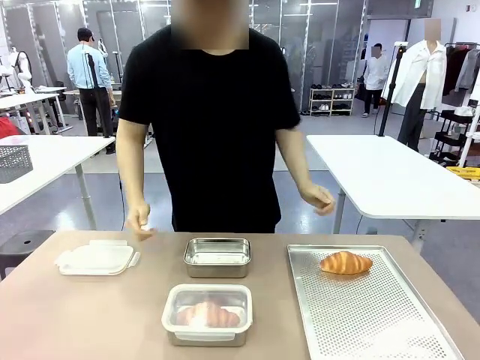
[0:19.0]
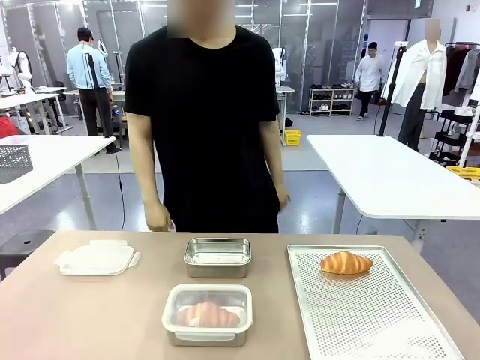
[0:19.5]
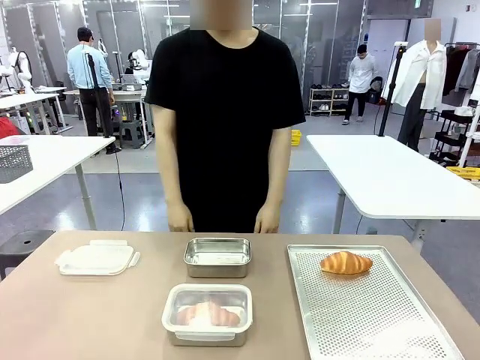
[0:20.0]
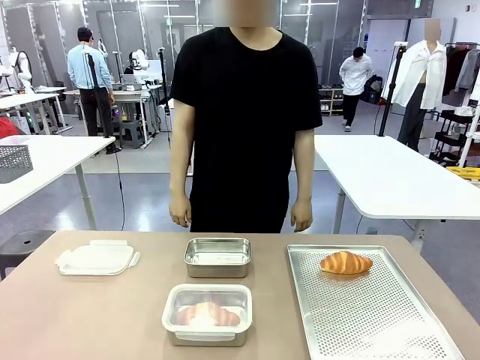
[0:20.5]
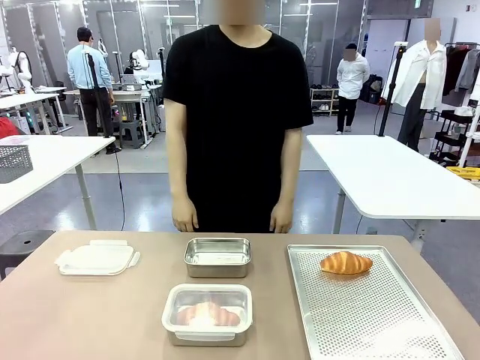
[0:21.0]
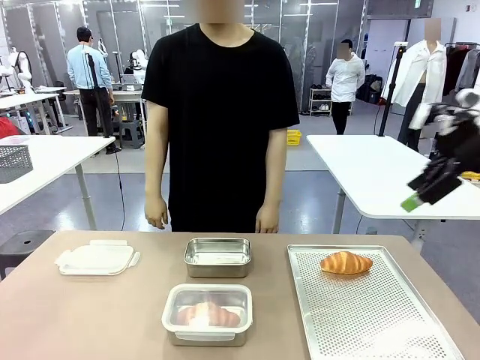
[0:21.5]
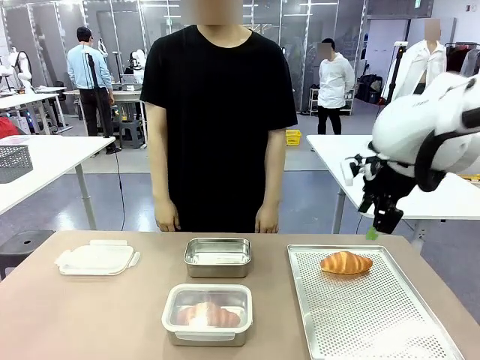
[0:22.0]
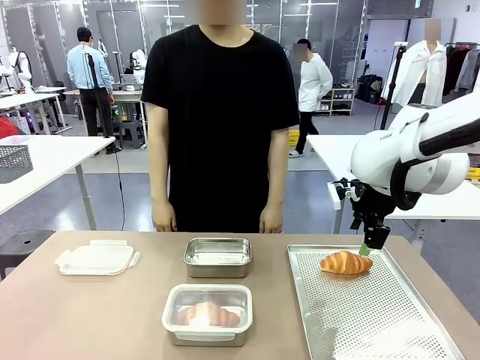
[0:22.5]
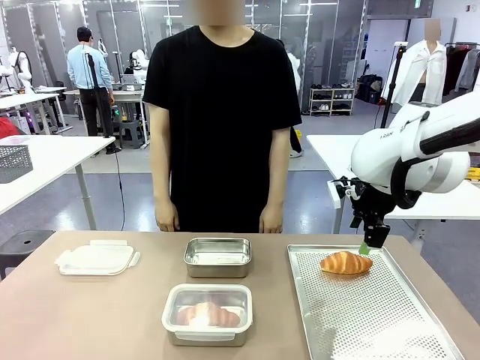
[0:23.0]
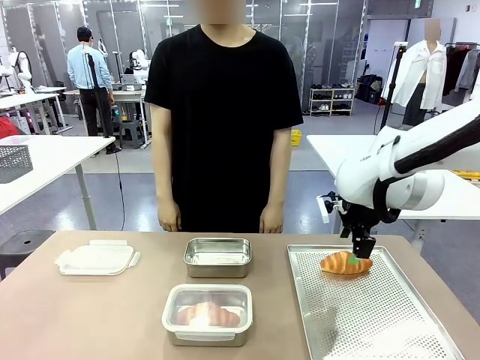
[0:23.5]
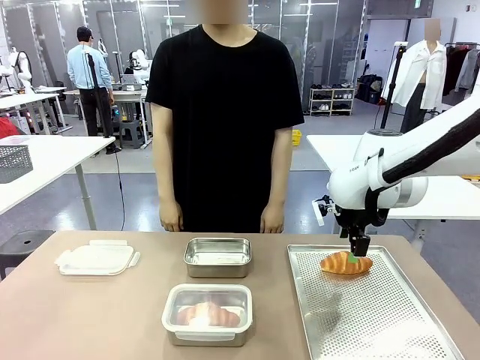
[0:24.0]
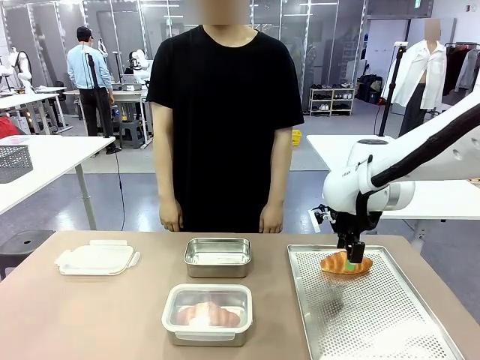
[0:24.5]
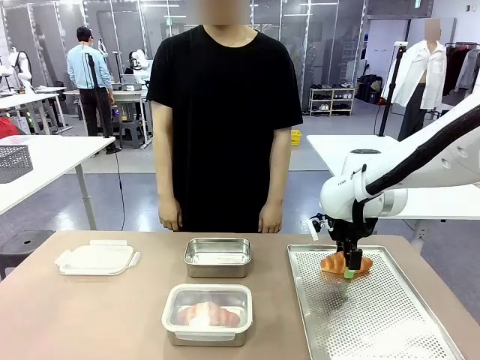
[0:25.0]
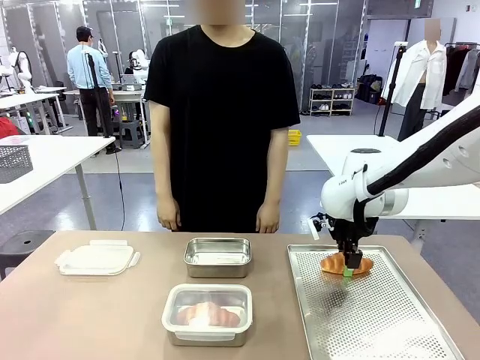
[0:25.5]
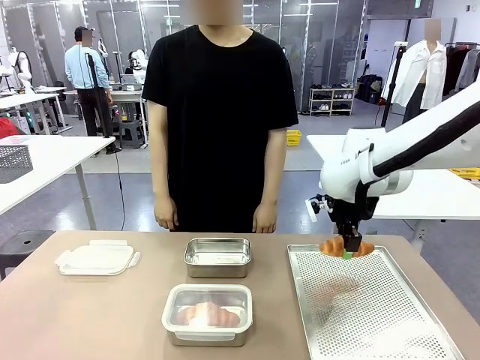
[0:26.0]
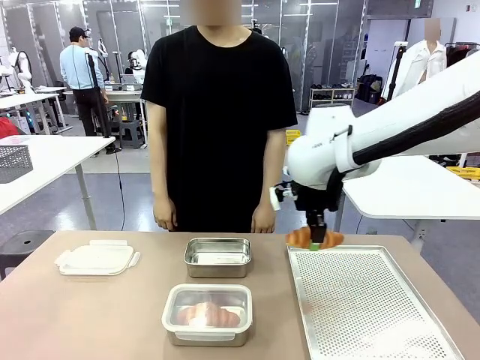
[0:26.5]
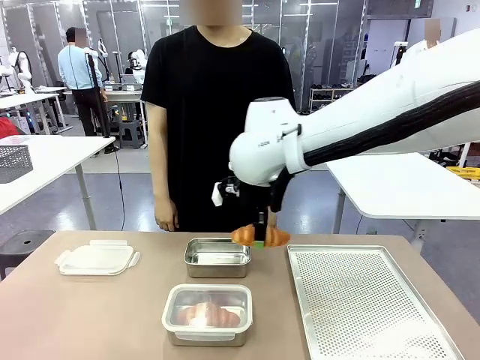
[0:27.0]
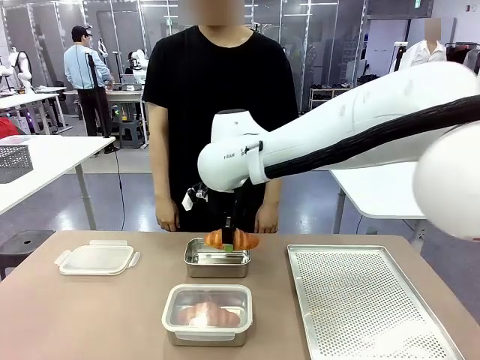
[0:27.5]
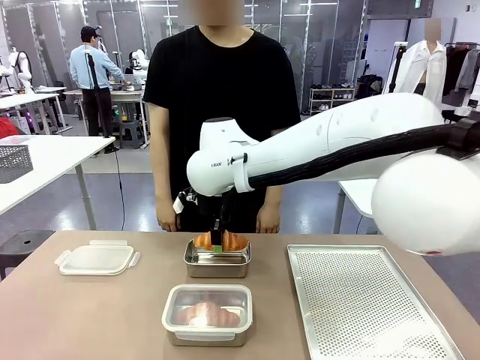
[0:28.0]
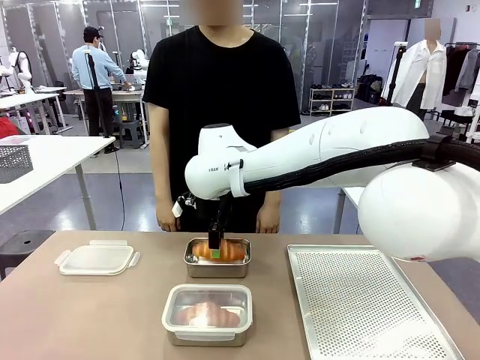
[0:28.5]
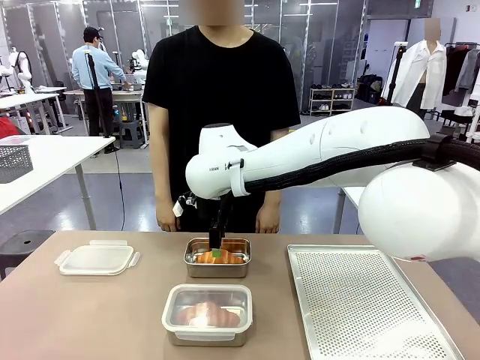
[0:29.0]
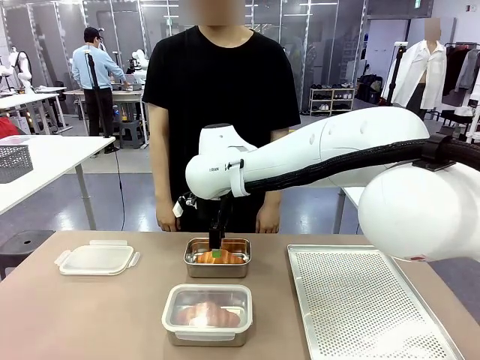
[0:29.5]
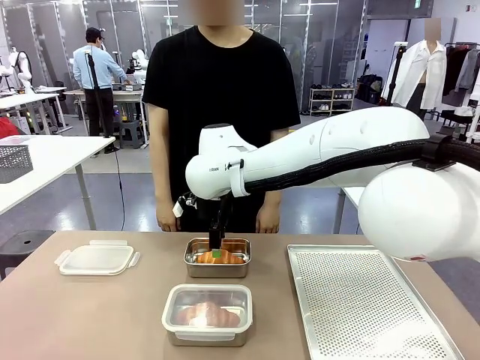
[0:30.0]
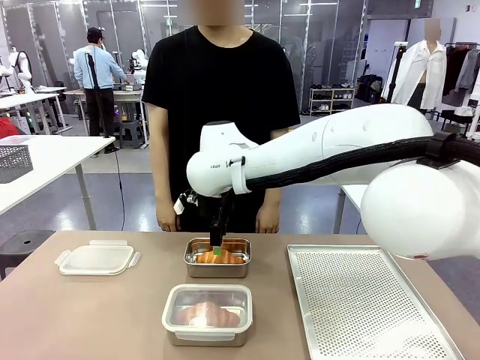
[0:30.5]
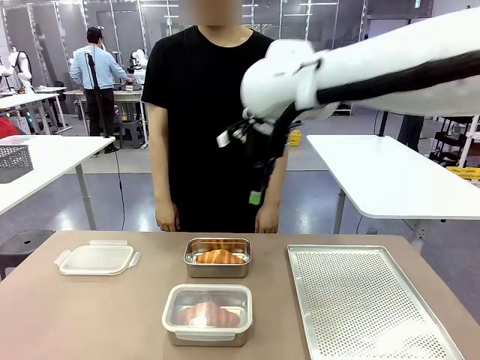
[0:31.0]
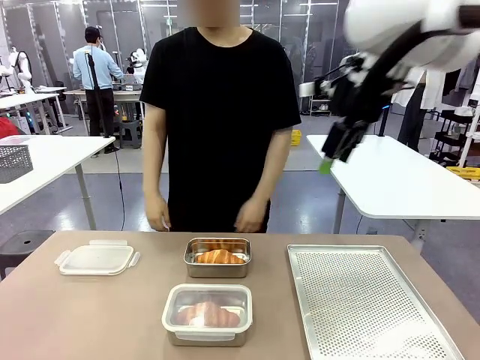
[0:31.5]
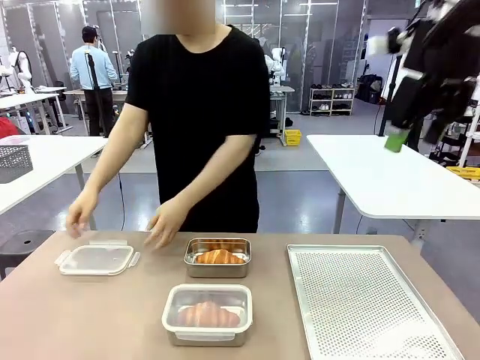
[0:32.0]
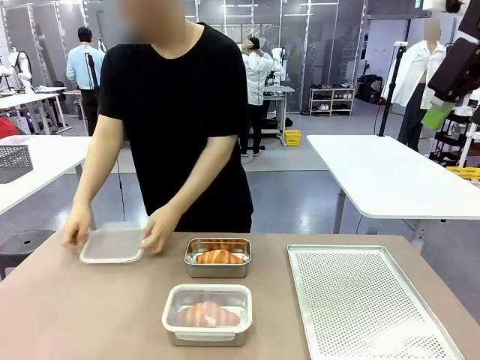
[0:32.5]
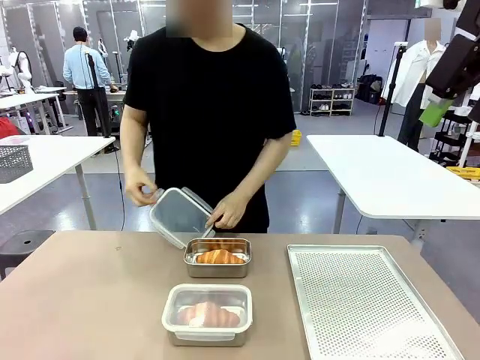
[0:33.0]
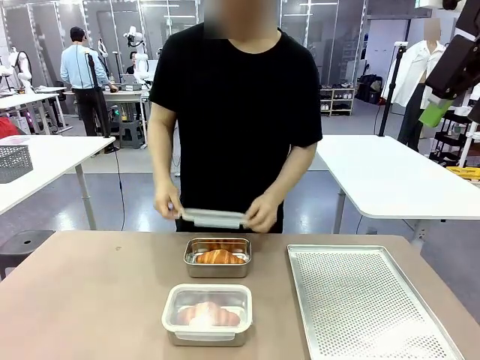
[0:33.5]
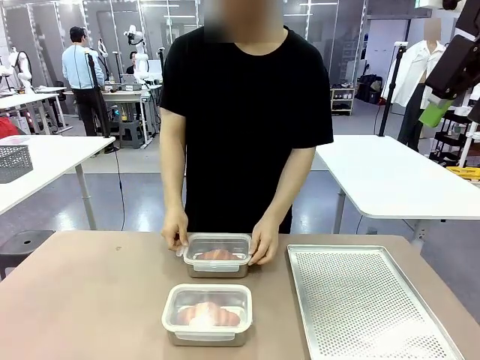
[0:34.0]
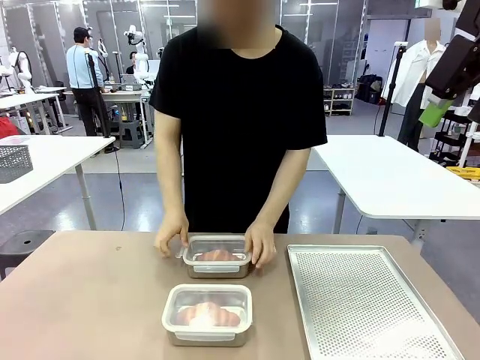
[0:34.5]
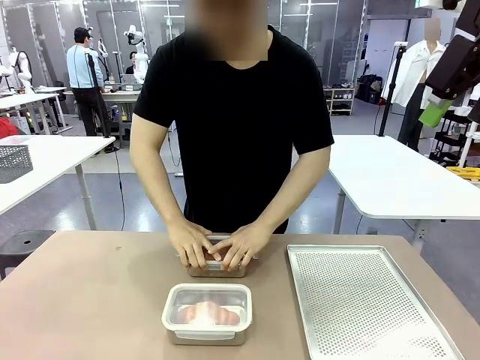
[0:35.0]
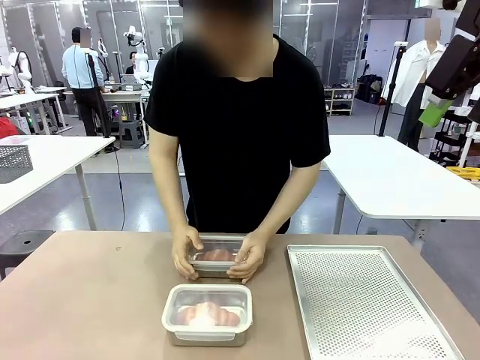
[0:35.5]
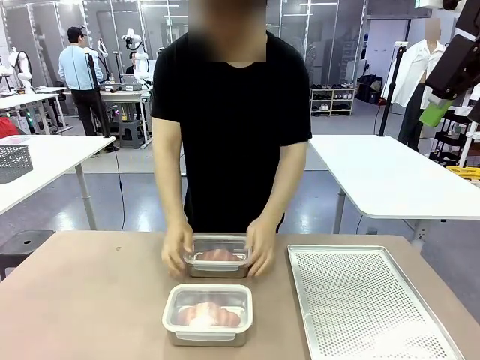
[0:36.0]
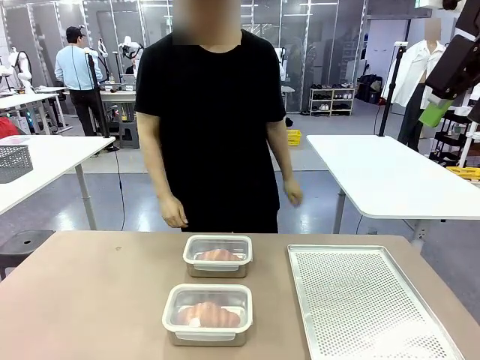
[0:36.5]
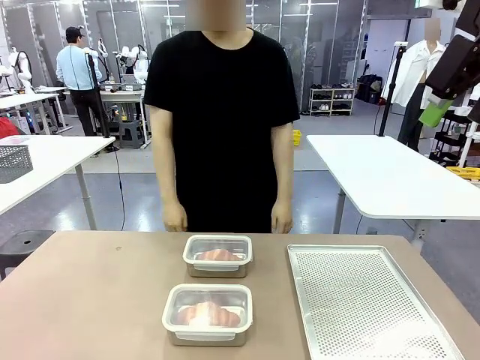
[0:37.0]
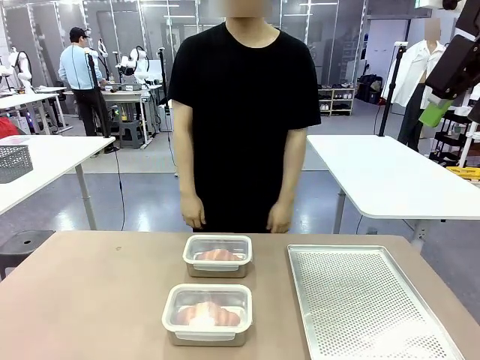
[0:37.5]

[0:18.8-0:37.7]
Task: Place the bread into the airtight container.
Robot: Pick up a Butter Roll and place it into an empty Airtight Container.
Person: Once a Butter Roll is inside an Airtight Container , close the lid of that Airtight Container.
